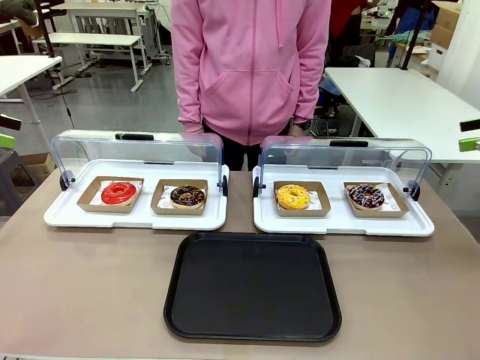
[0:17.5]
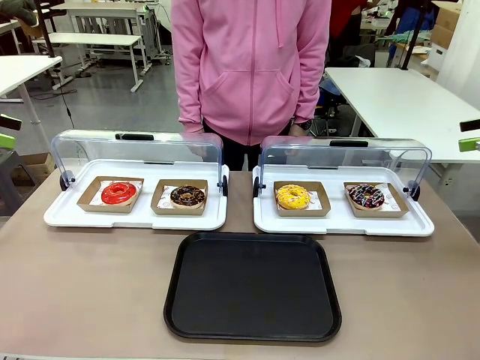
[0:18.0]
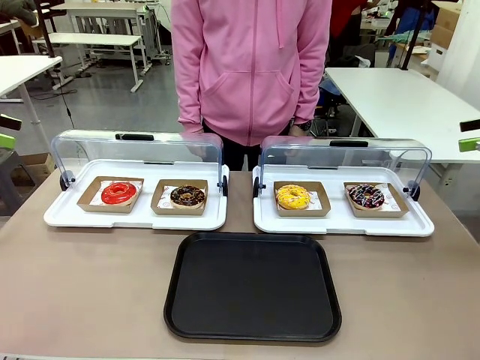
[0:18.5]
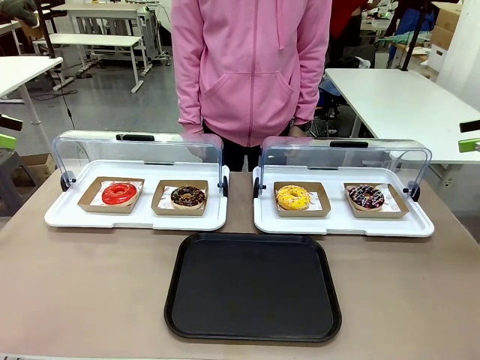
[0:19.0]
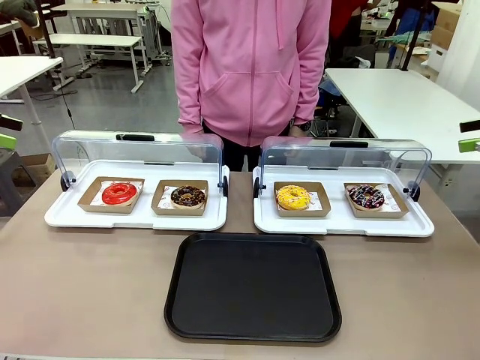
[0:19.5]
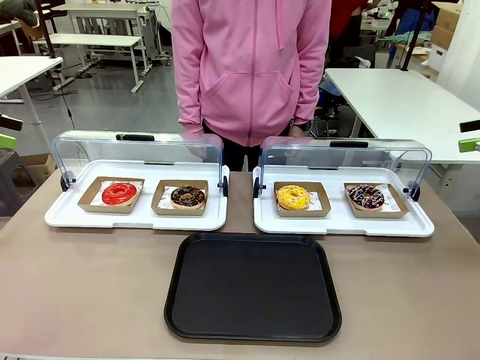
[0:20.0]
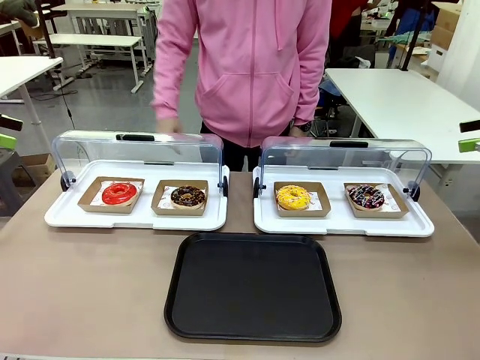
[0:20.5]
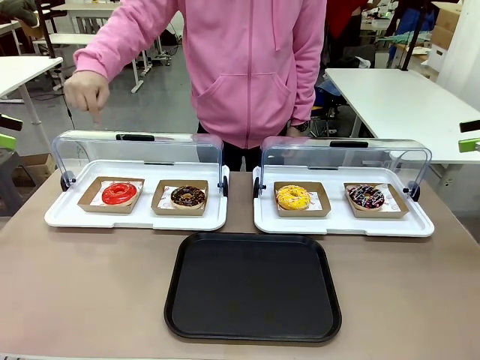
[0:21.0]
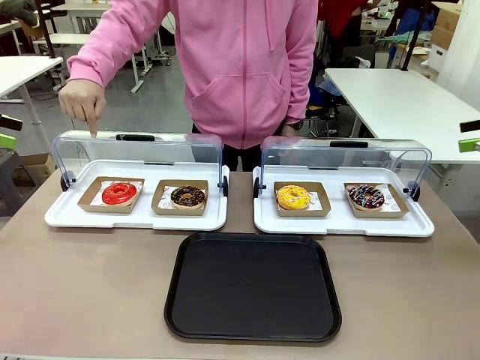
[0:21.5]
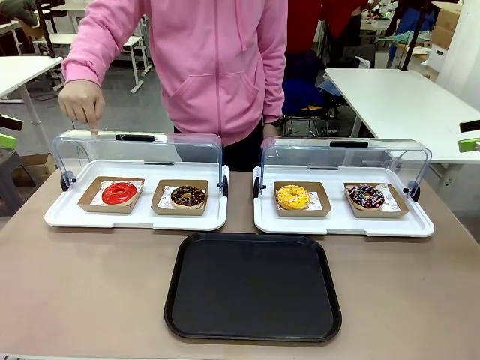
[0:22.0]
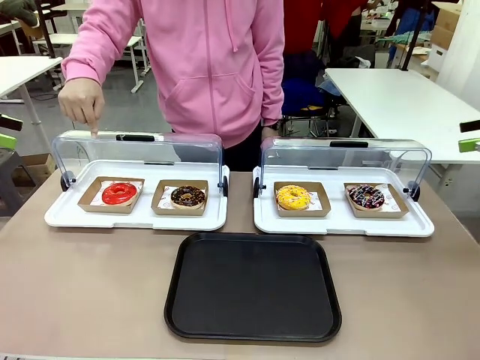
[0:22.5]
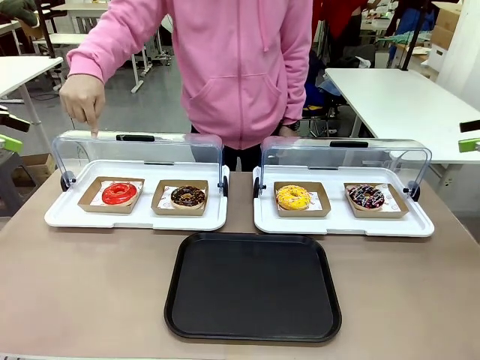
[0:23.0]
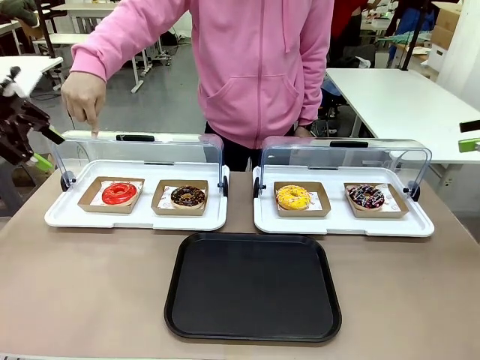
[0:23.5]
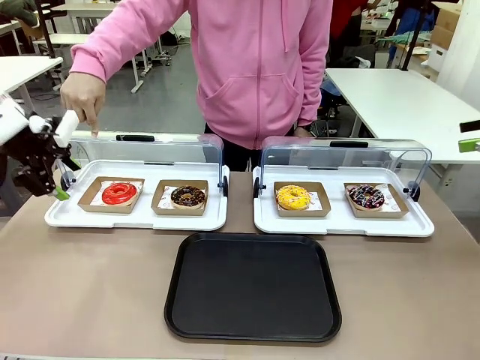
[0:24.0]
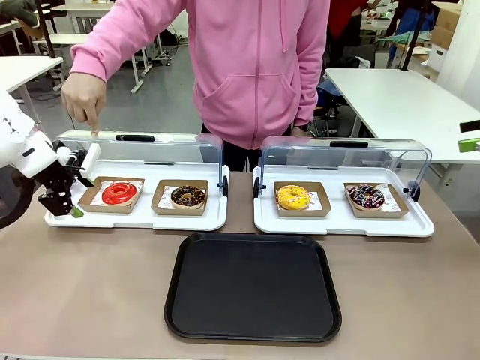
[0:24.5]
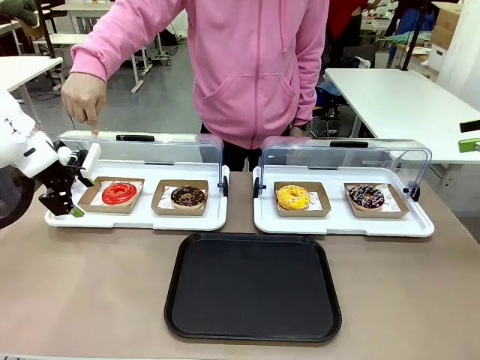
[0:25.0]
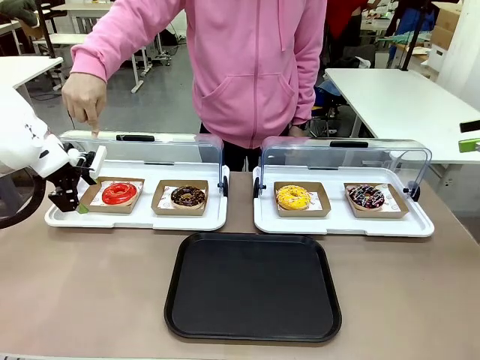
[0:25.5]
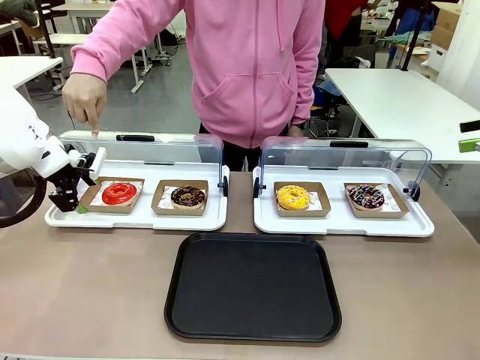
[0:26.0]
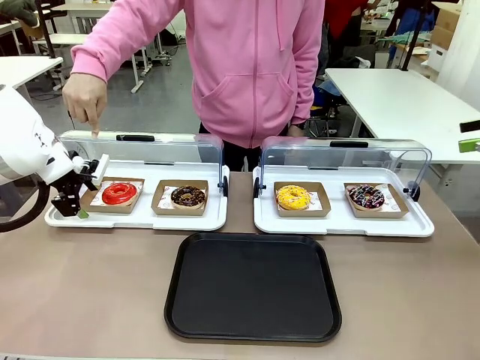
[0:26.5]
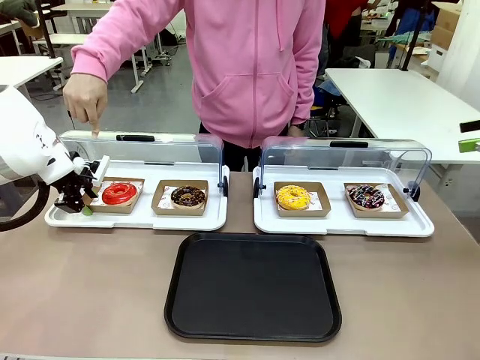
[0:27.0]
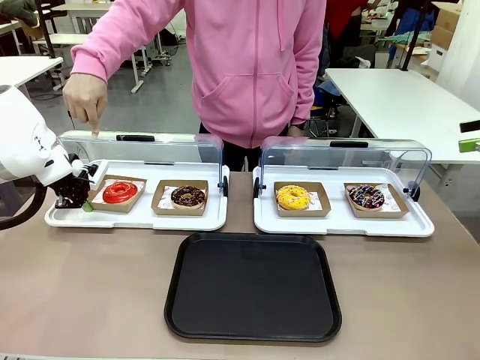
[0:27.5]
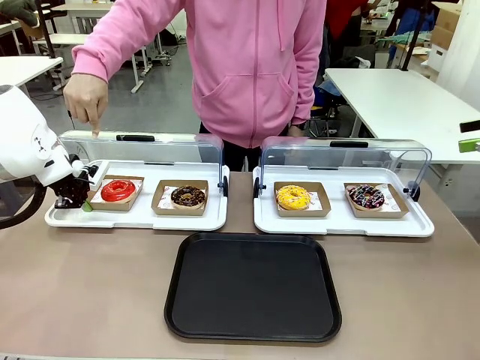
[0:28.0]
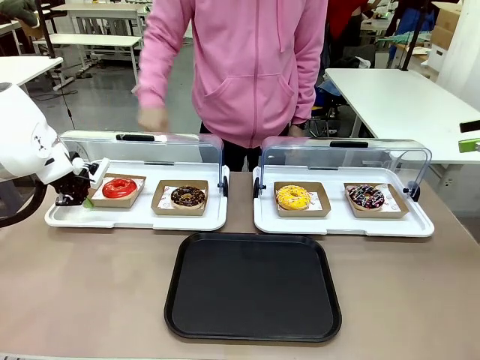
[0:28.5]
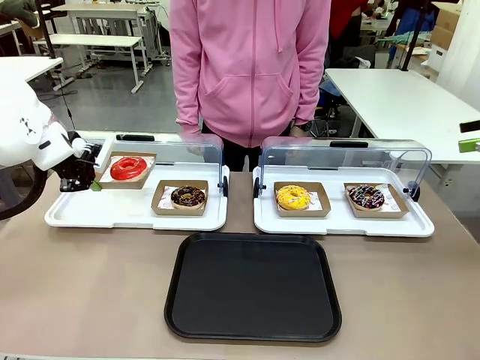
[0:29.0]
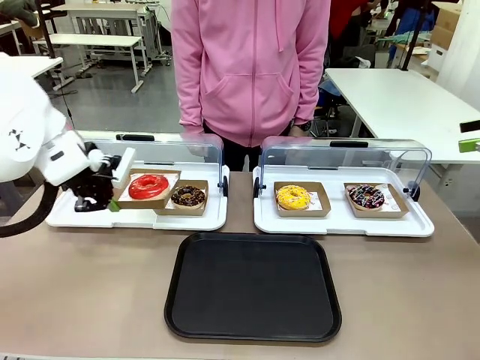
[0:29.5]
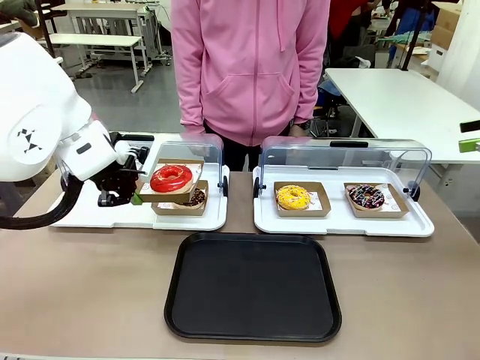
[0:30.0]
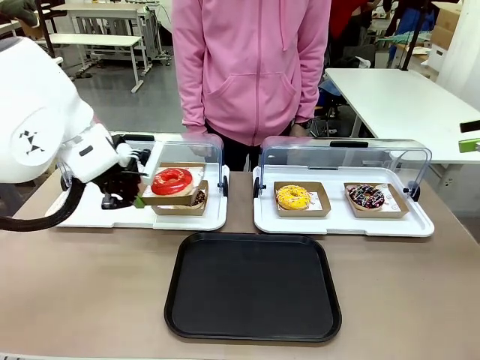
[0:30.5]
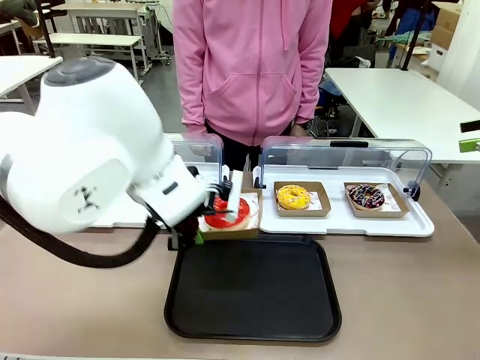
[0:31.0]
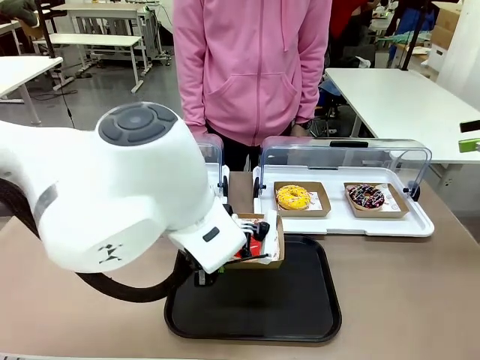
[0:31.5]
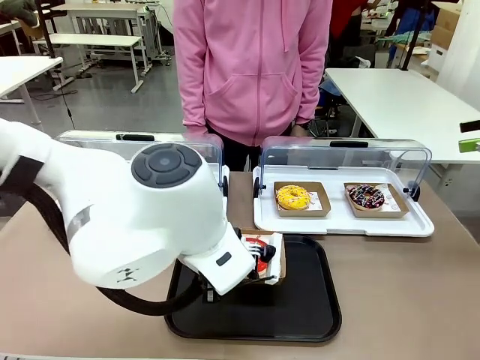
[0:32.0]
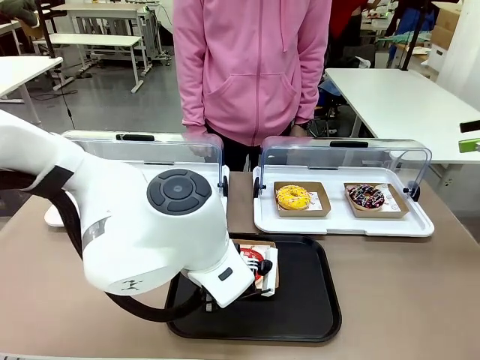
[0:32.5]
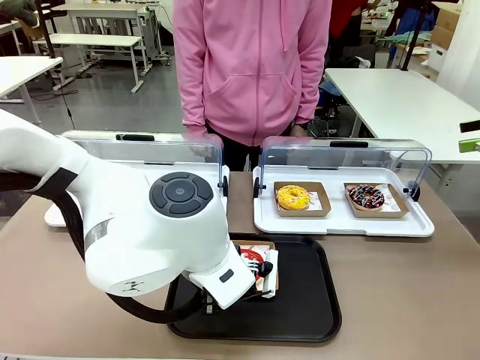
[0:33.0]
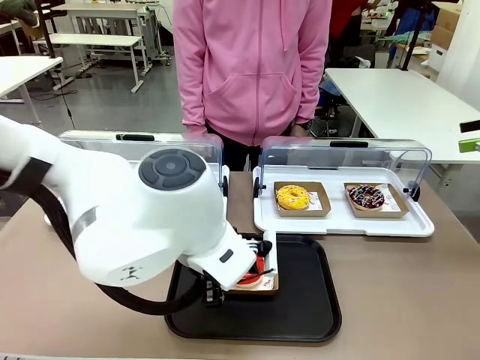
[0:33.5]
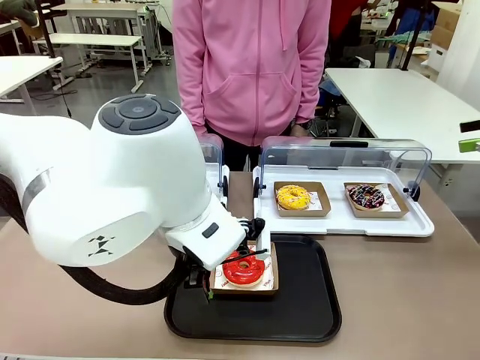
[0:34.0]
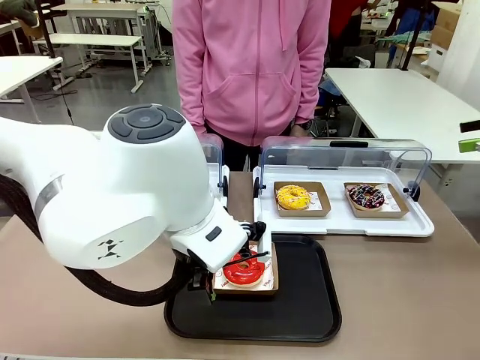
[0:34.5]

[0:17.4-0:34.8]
Task: Move the first donut from the left to the tray.
Robot: Pick up the Paper togo box containing the Donut indicated by the person and place it on the Handle tray.

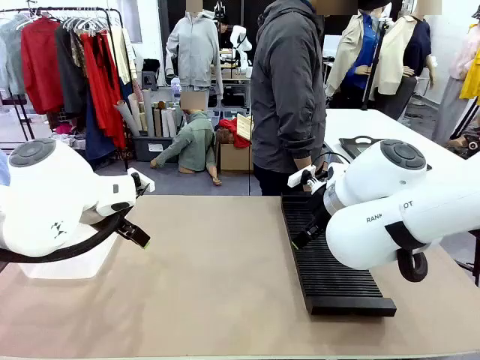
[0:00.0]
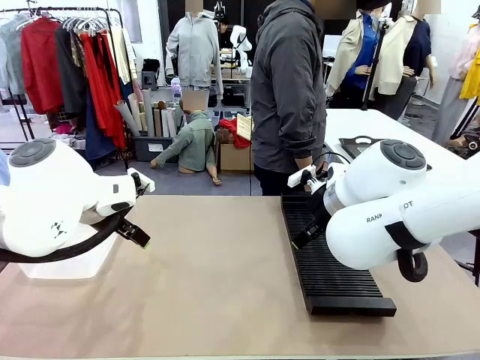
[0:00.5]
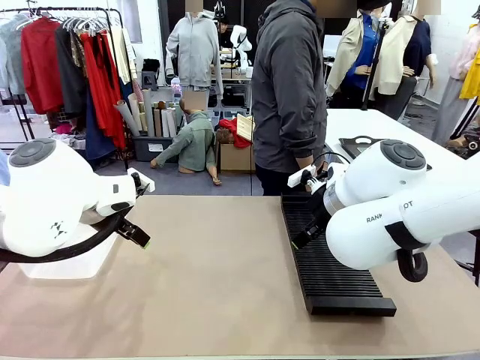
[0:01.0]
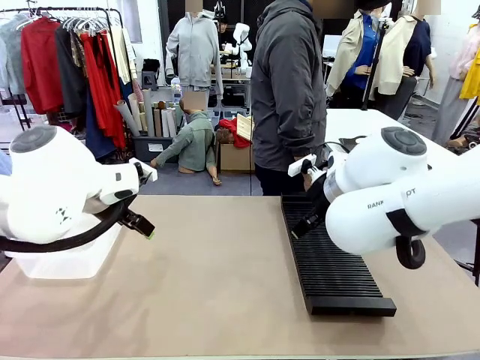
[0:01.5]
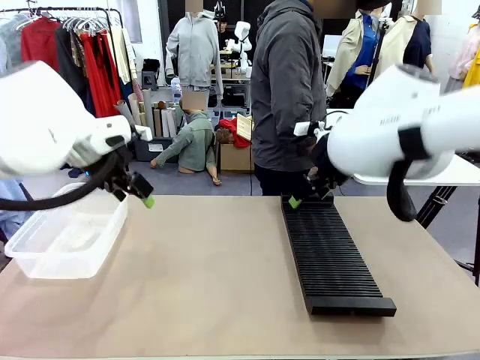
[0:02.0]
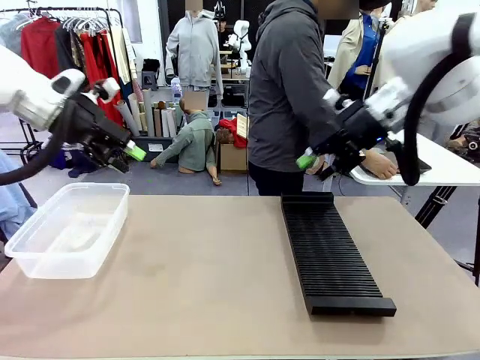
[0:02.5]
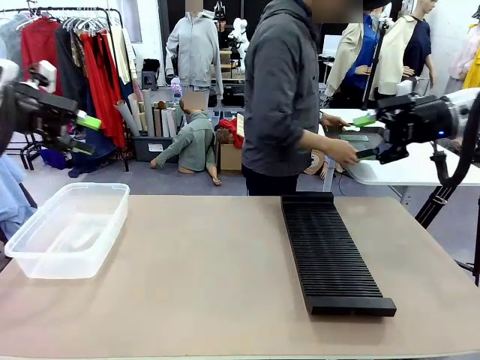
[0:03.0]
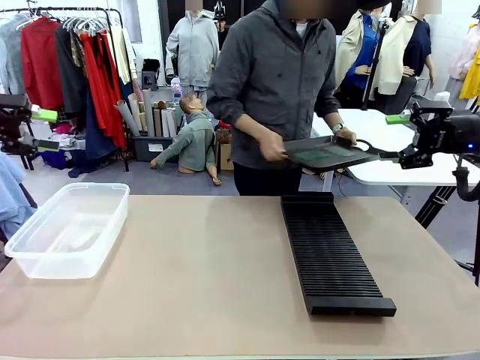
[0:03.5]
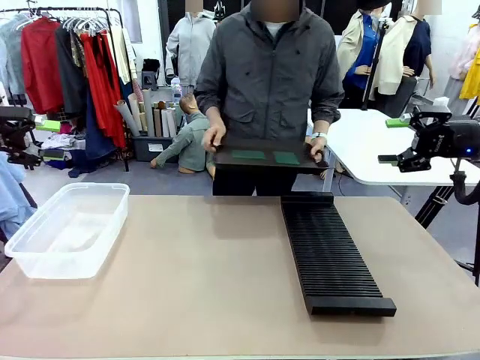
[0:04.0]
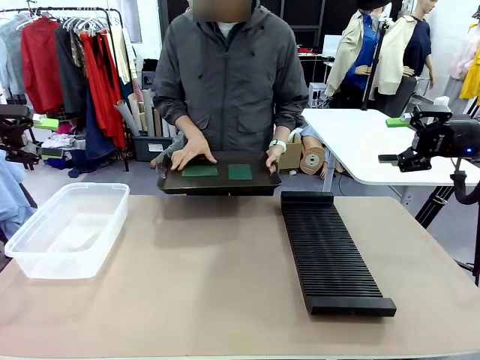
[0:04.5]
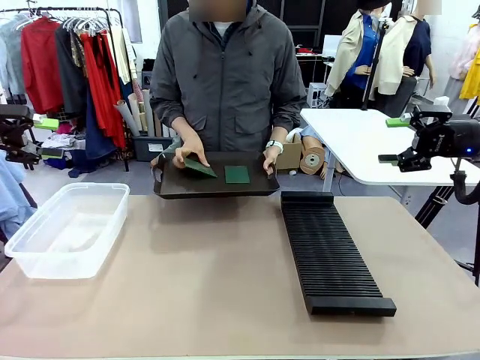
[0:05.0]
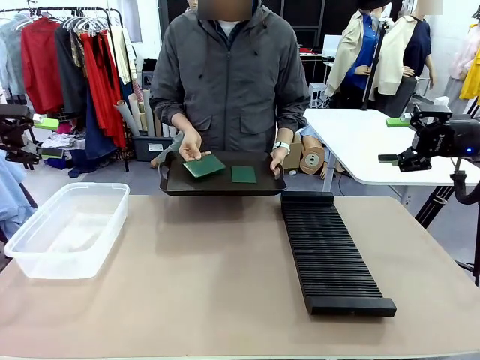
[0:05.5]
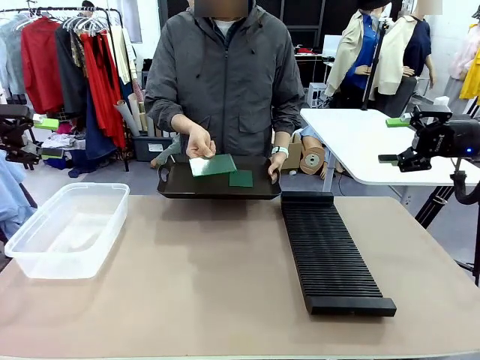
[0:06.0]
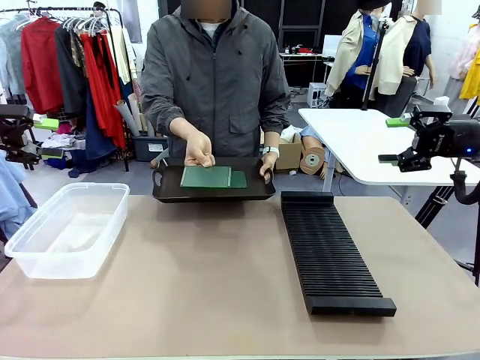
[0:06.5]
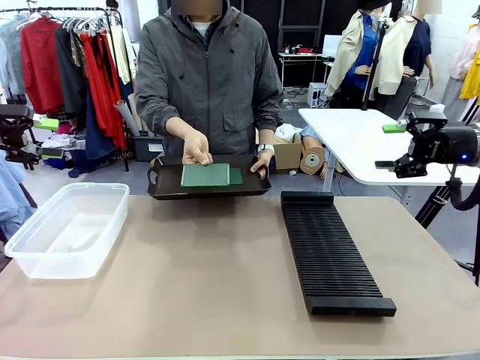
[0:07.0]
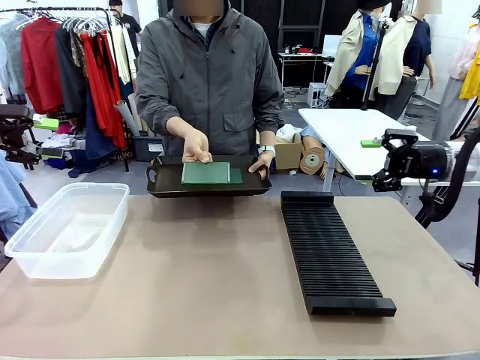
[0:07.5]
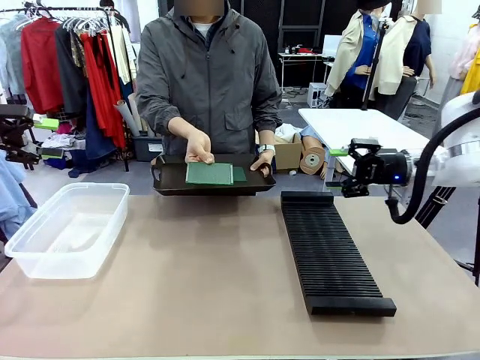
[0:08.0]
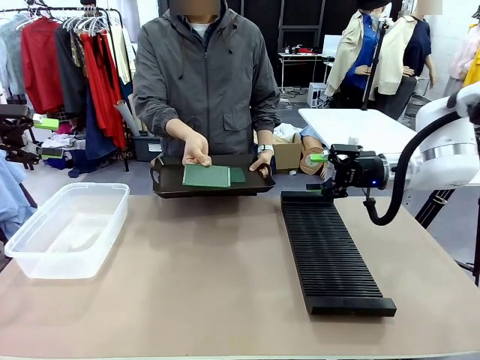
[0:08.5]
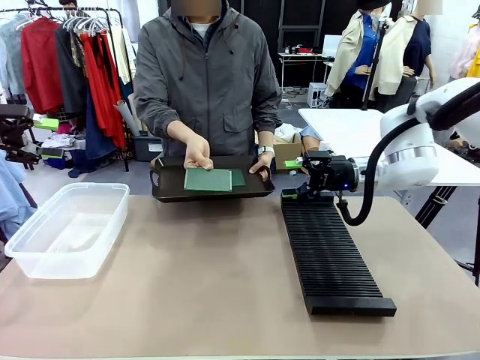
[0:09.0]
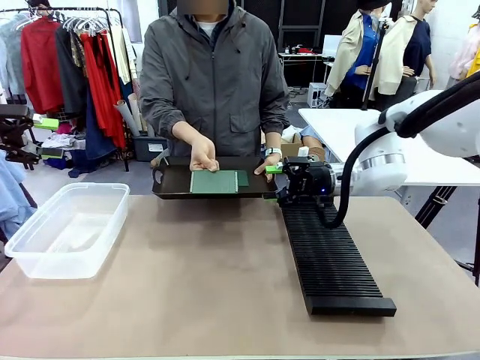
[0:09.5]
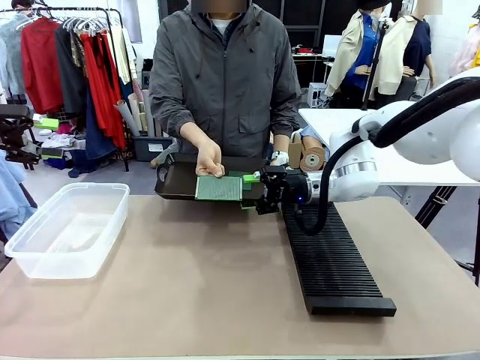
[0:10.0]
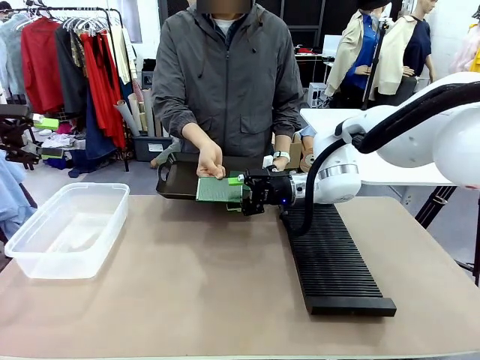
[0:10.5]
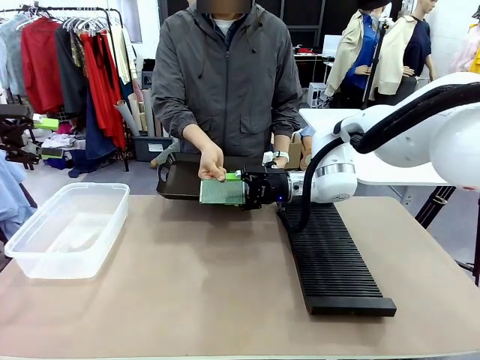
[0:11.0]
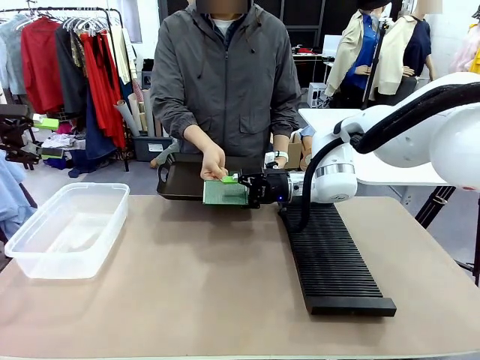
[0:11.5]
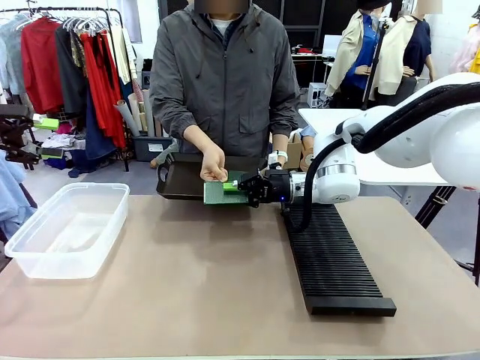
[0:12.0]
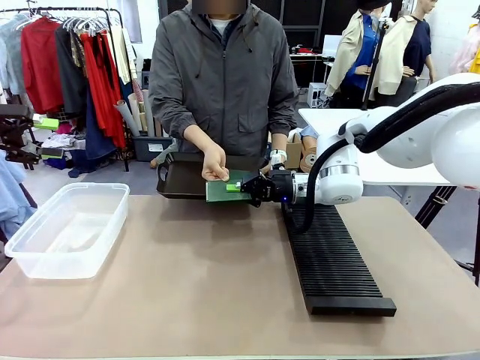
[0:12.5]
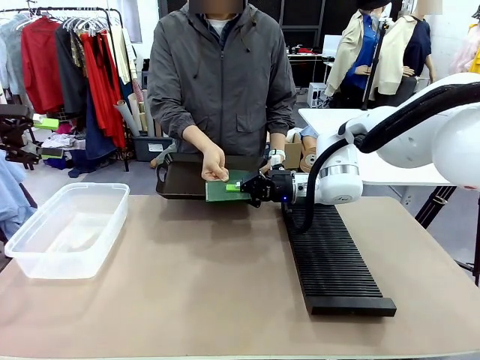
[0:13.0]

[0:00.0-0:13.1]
Task: Sort PCBs into racks and boxes based on the side picked up.
Robot: Pick up the Blank PCB handed by the Human.
Person: Pick one PCB from the tray and present it to the robot. Release the PCB being held.
